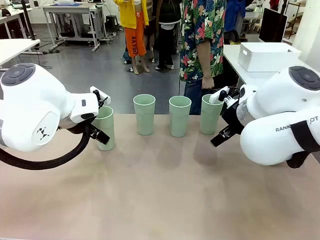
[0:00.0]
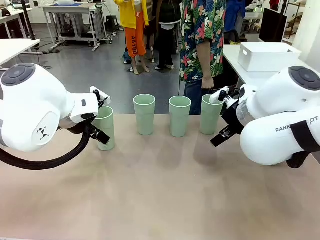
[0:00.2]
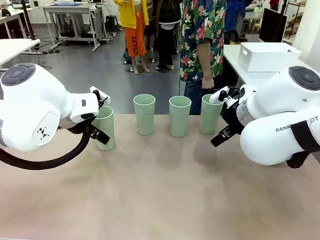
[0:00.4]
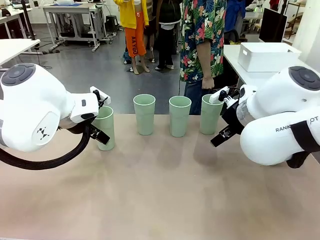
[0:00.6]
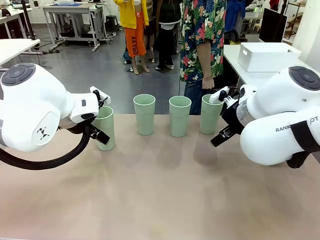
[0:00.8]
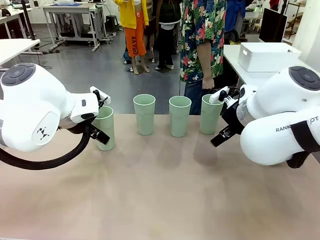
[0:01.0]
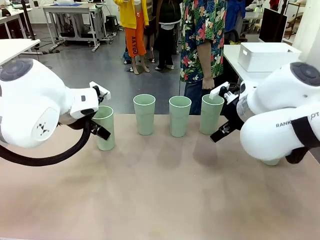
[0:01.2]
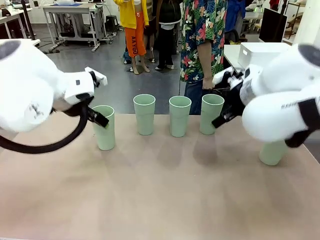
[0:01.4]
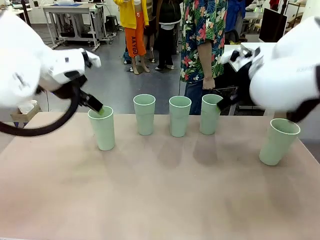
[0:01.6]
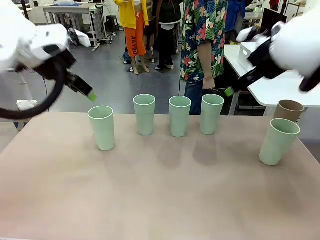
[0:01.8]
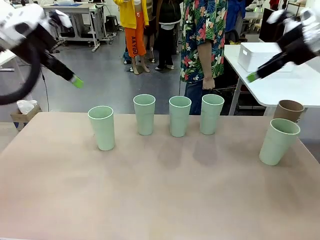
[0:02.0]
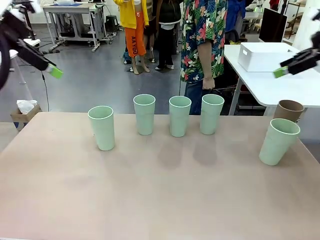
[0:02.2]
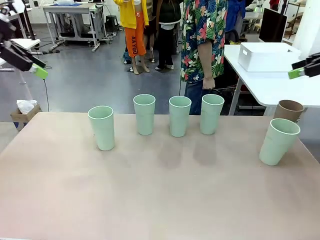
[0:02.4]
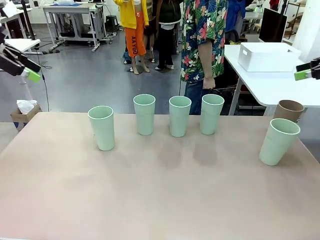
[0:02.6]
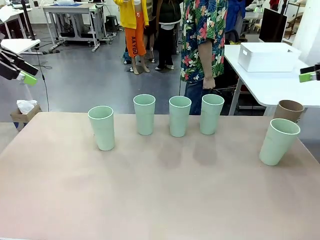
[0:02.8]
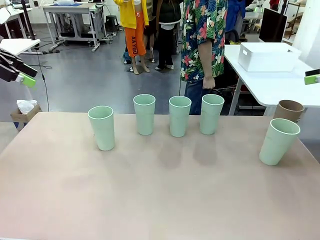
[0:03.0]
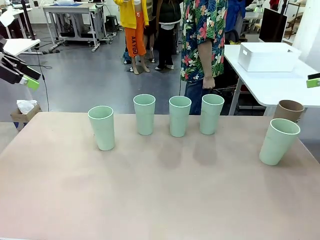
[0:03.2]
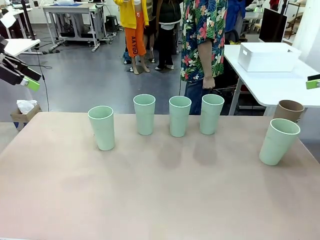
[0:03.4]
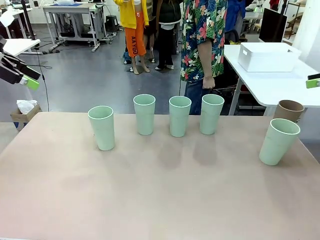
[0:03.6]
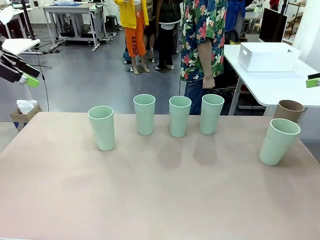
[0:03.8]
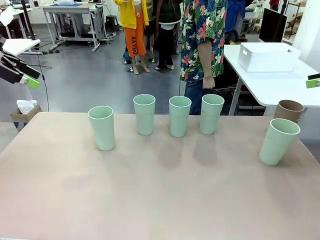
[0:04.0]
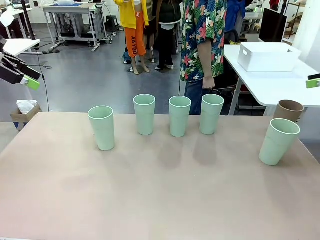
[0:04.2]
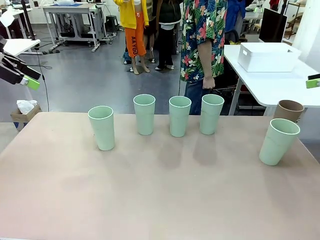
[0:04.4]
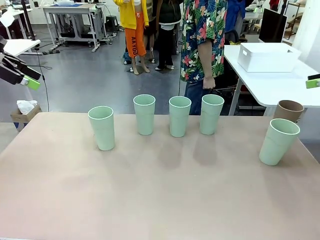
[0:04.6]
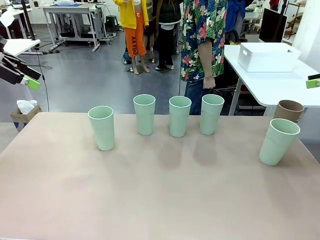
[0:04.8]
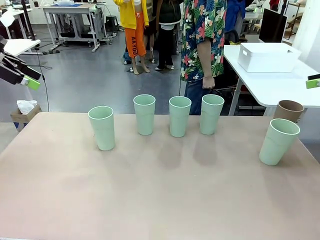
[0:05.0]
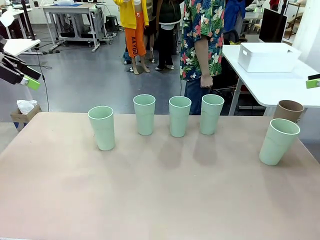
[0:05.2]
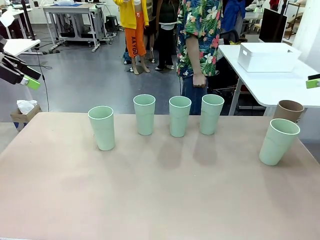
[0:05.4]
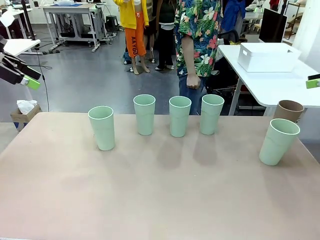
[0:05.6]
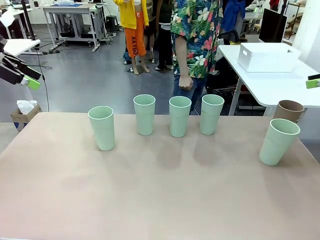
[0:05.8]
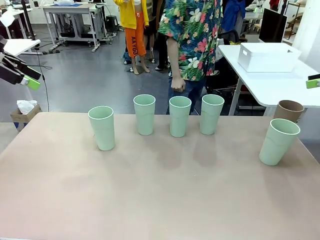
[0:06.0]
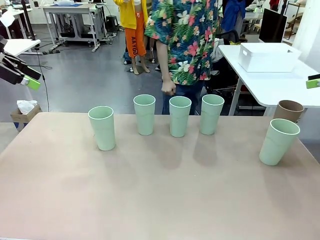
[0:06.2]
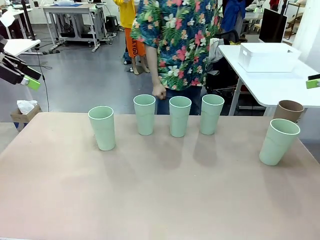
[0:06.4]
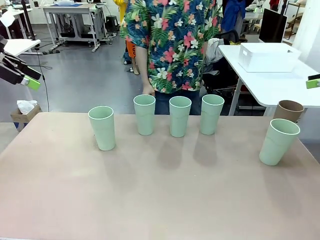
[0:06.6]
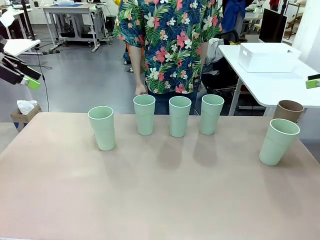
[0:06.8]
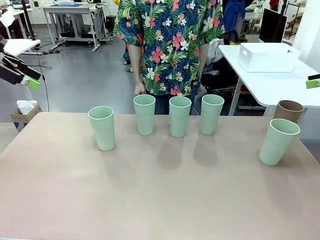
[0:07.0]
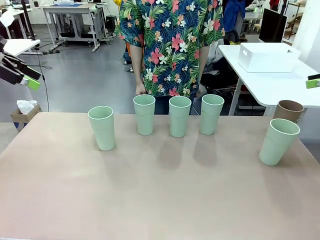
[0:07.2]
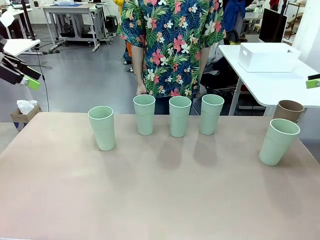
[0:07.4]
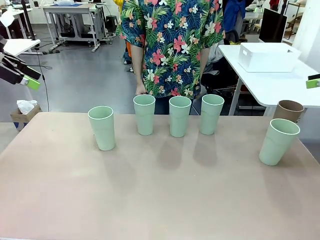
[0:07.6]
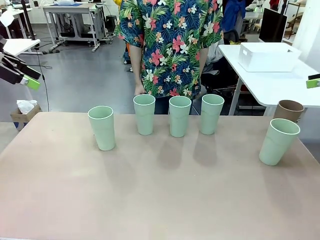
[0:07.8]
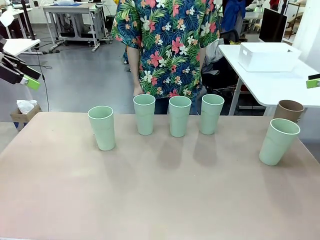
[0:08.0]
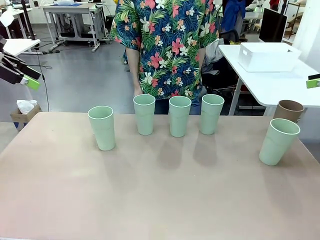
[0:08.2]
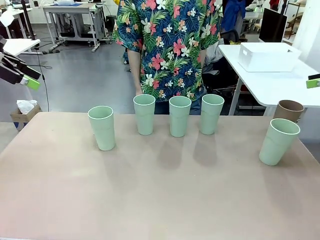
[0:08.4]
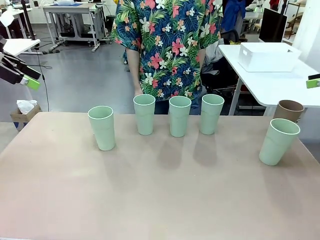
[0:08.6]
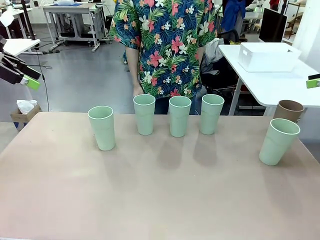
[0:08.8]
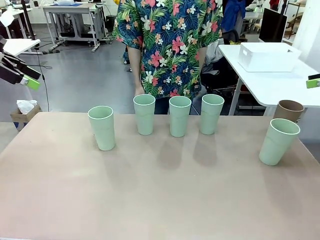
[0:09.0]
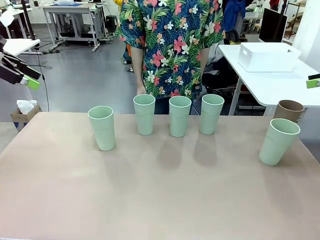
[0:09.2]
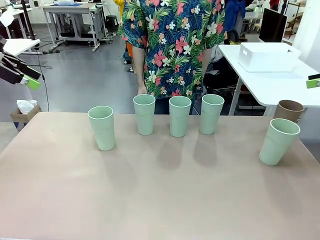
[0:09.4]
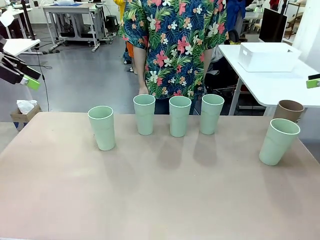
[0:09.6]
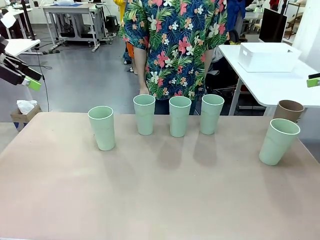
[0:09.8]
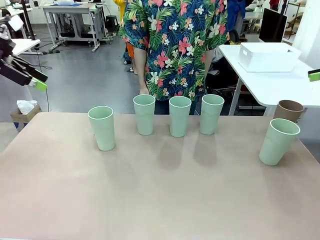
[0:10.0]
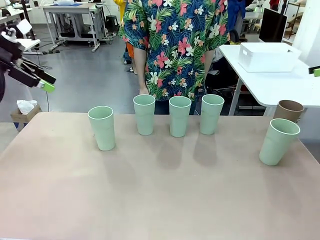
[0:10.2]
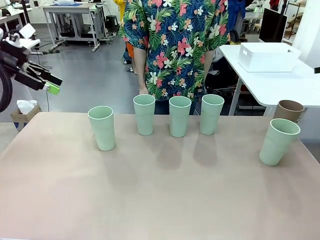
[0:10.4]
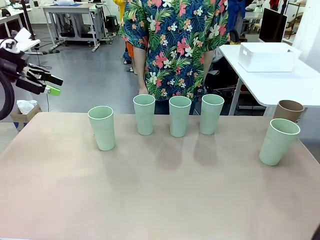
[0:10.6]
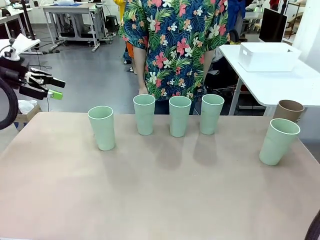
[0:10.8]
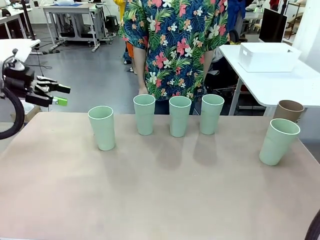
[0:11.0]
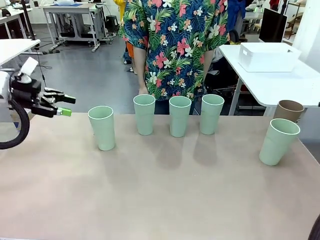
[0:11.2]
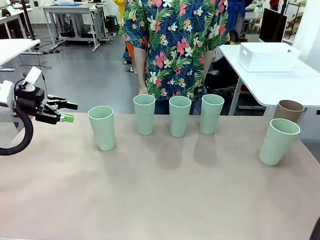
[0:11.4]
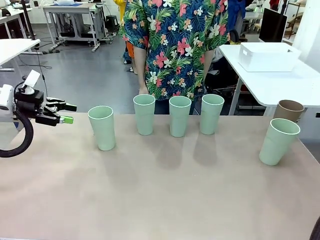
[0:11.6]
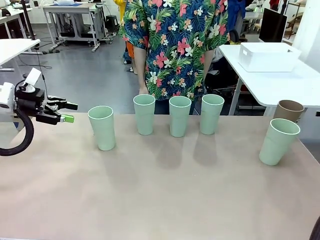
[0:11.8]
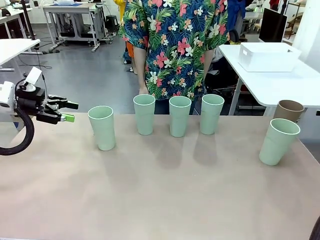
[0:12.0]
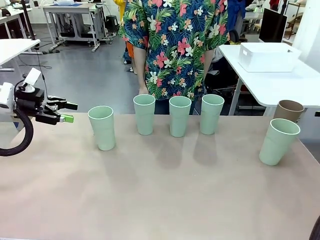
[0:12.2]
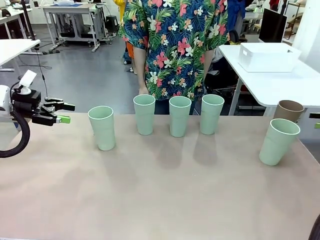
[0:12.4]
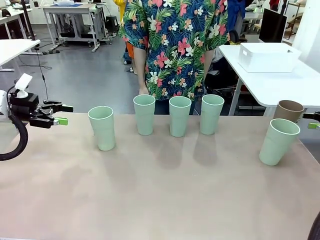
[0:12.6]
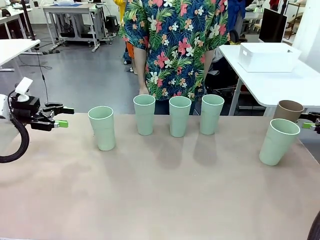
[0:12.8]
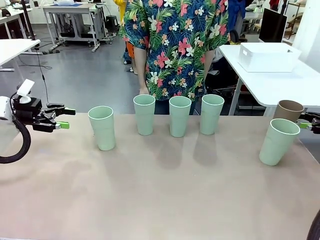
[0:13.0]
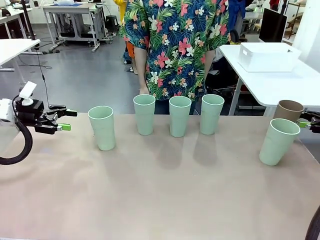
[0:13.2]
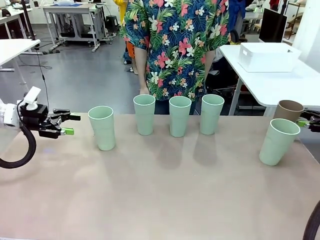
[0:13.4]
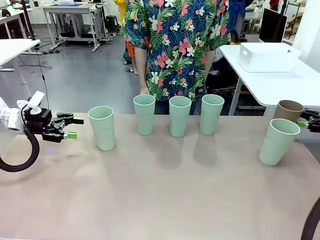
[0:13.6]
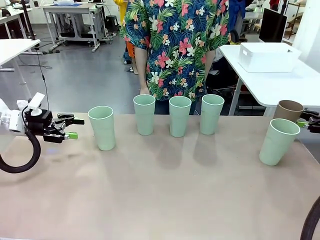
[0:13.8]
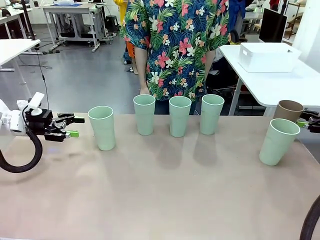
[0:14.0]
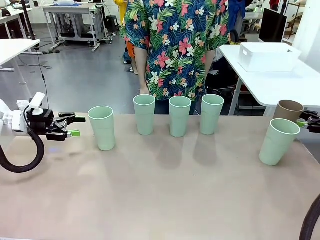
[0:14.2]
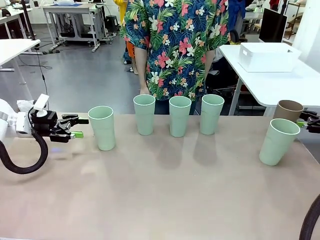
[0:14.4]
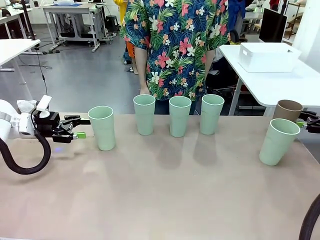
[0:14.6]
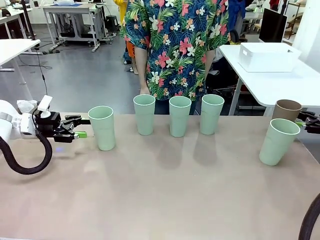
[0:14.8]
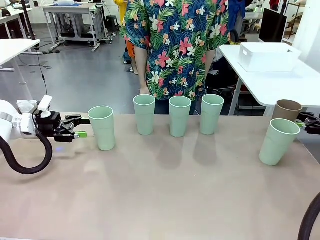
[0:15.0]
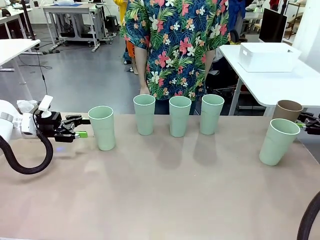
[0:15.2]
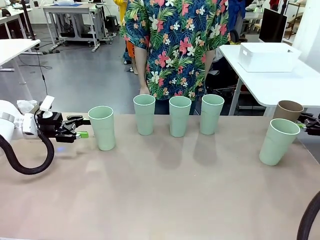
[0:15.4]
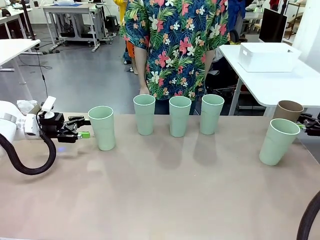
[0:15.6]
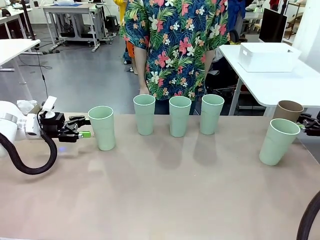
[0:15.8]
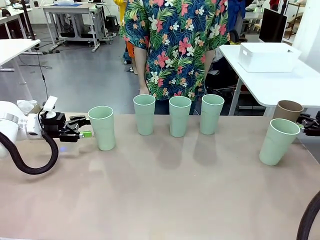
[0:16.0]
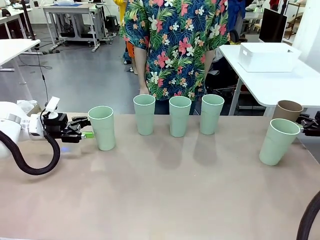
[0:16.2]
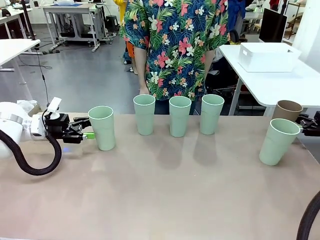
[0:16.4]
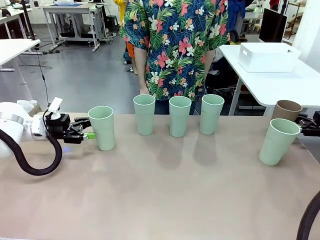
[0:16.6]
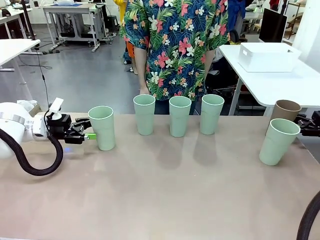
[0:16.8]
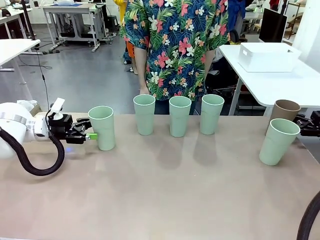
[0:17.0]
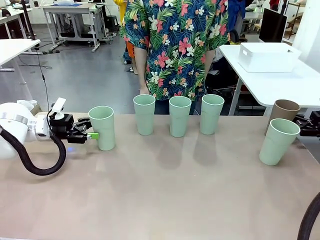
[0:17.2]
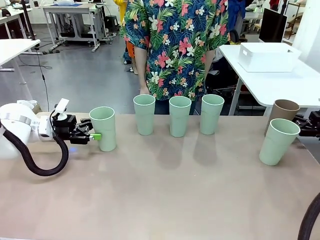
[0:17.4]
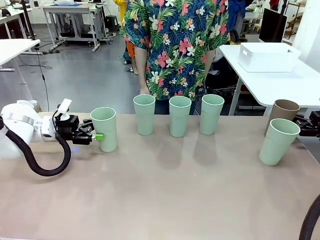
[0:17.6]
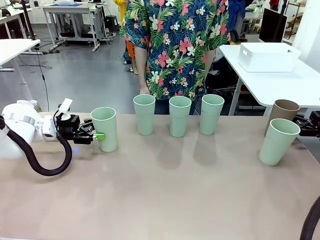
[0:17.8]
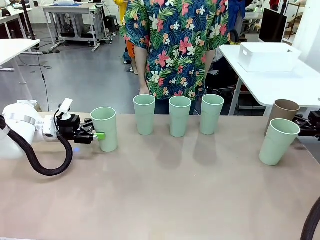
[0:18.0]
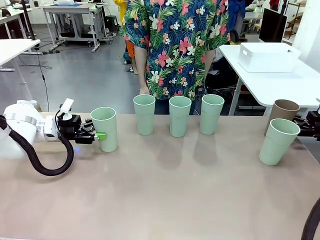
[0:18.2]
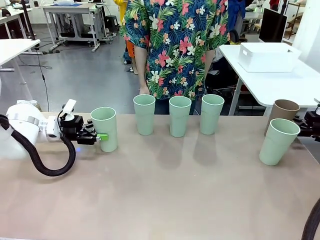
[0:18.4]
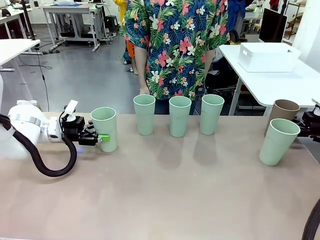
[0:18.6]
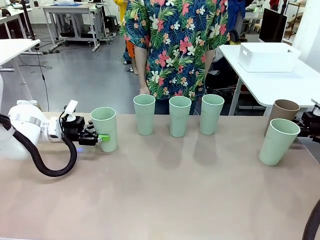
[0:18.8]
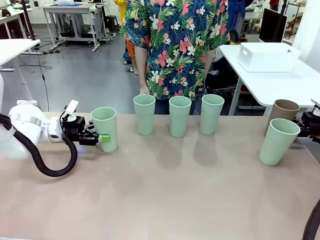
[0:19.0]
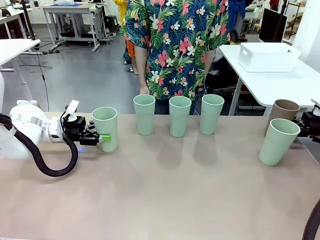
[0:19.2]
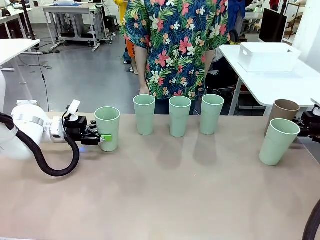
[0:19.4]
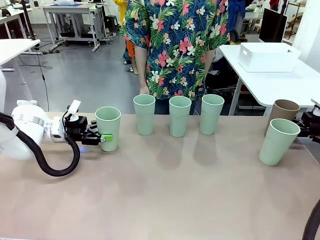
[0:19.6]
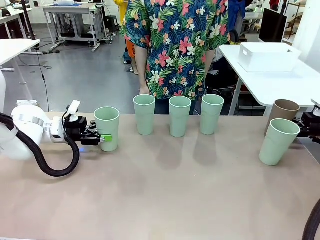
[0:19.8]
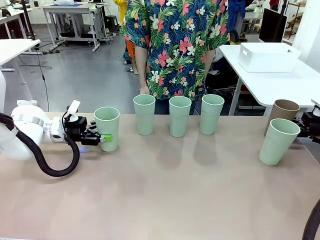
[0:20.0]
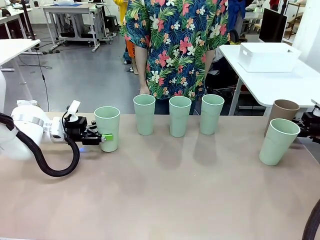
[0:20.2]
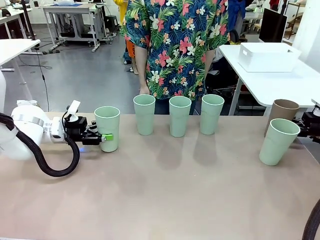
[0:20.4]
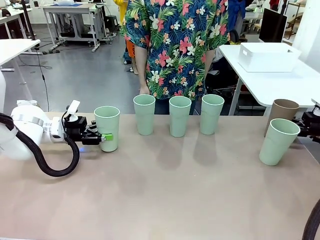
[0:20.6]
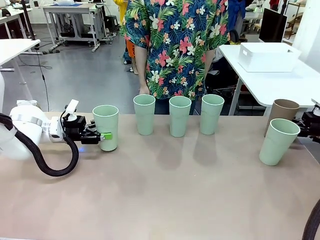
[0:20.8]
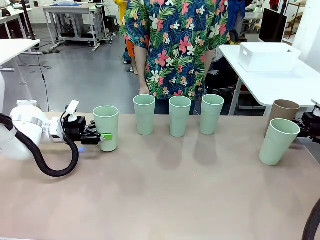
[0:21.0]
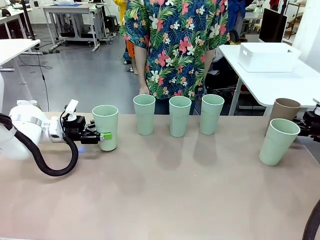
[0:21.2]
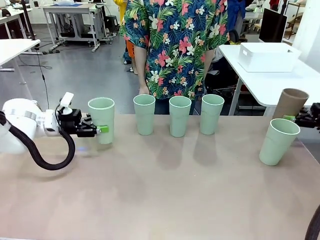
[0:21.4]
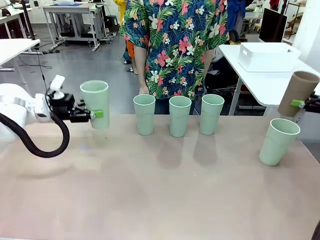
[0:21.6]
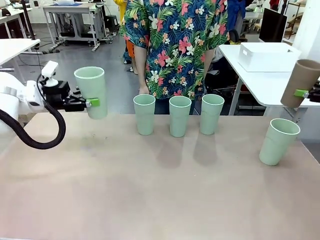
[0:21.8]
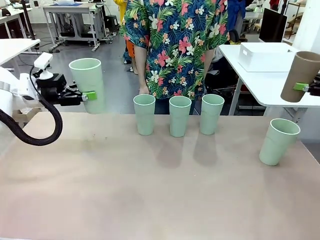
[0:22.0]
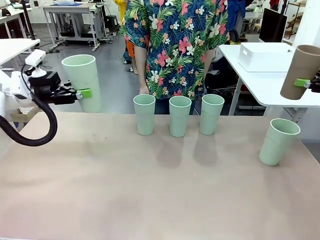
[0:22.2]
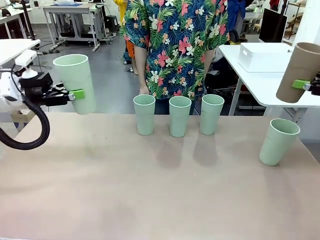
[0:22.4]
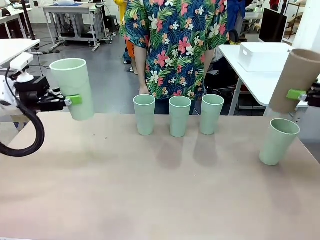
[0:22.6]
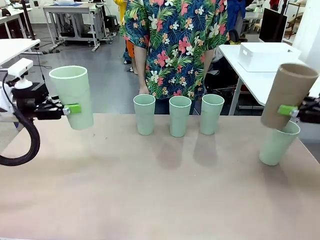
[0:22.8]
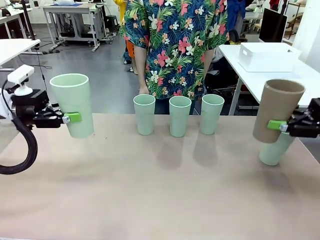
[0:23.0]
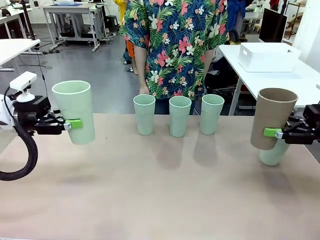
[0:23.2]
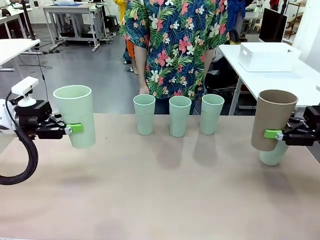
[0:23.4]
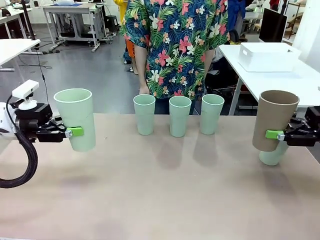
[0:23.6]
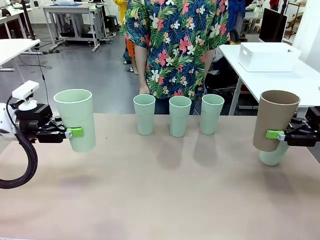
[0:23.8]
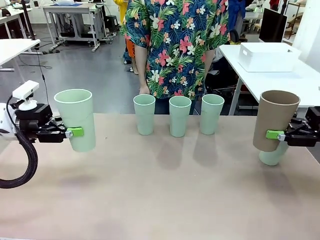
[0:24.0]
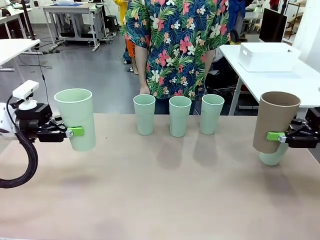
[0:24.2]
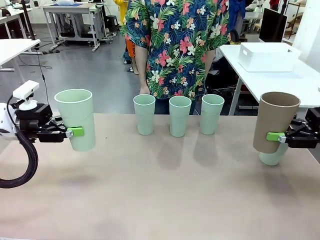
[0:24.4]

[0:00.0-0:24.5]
Task: Stack the cups and store them in the basket.
Robot: Pick up two Reusable plastic cups , one in each hand.
Person: Move from the Human Table to the front of the Robot Table. Stack two of the remaining cups on top of each cup held by the robot.
